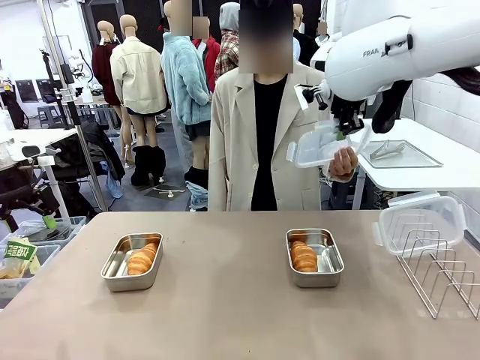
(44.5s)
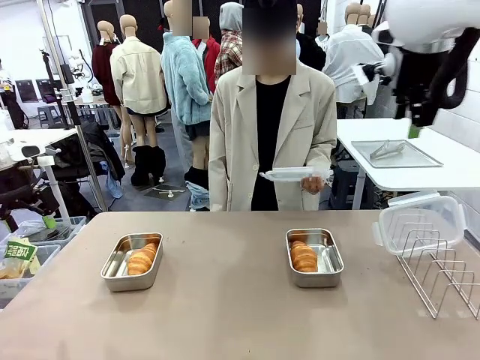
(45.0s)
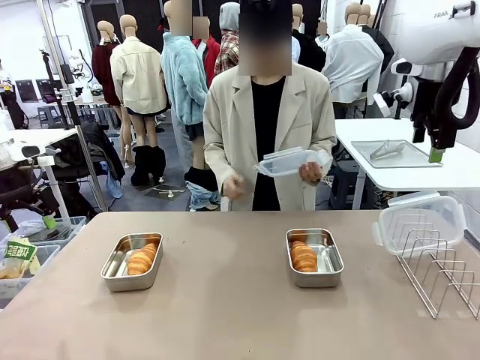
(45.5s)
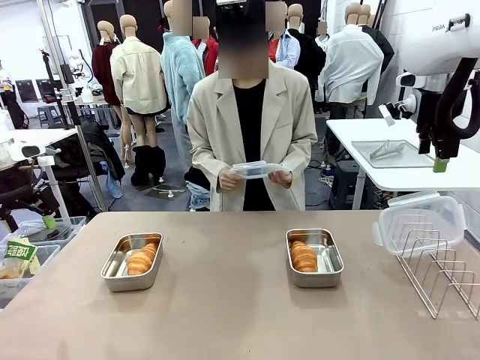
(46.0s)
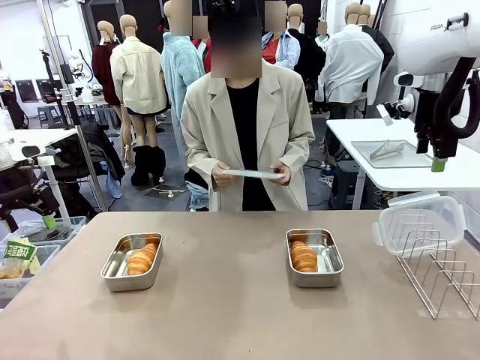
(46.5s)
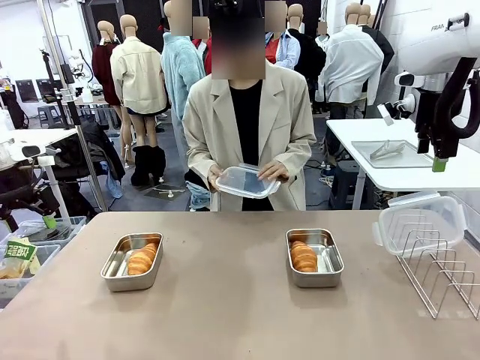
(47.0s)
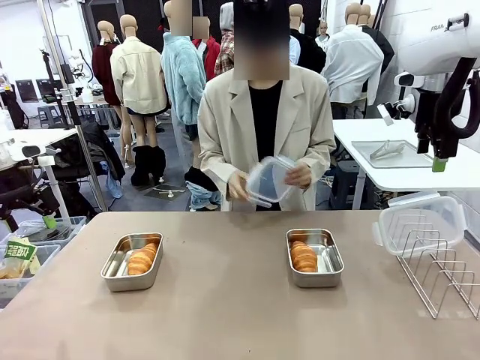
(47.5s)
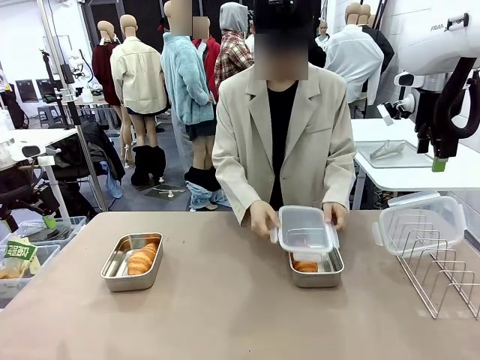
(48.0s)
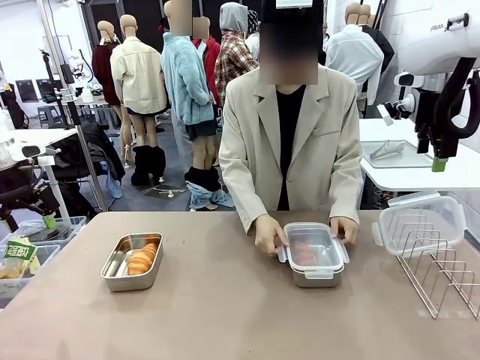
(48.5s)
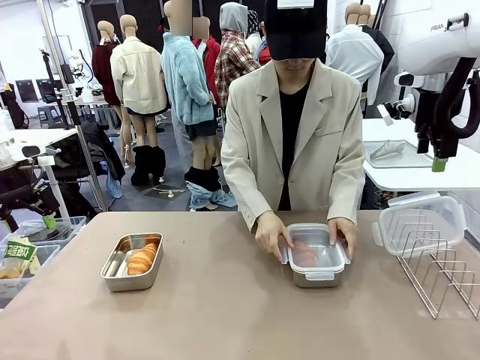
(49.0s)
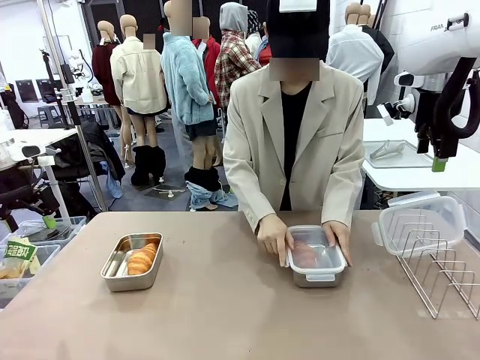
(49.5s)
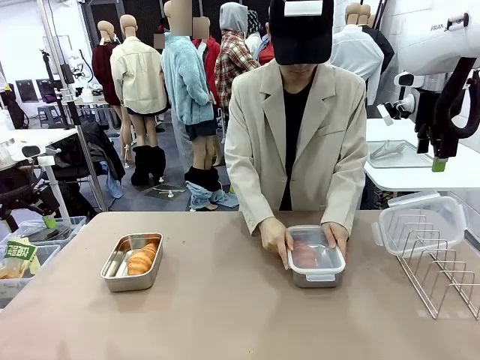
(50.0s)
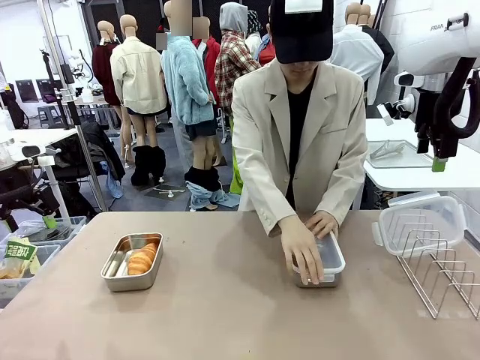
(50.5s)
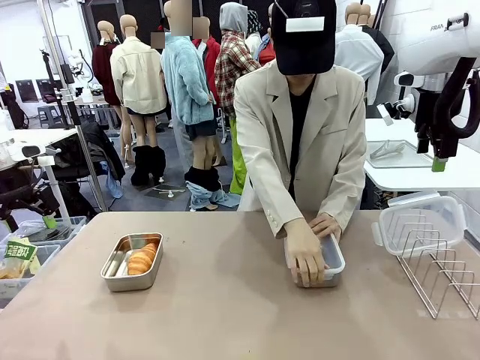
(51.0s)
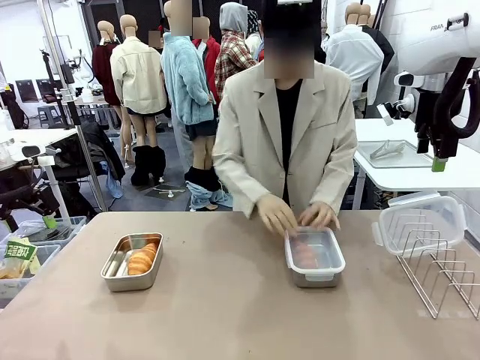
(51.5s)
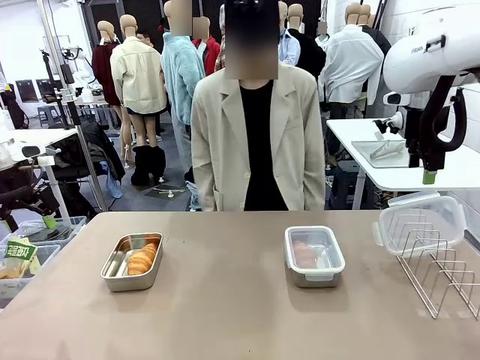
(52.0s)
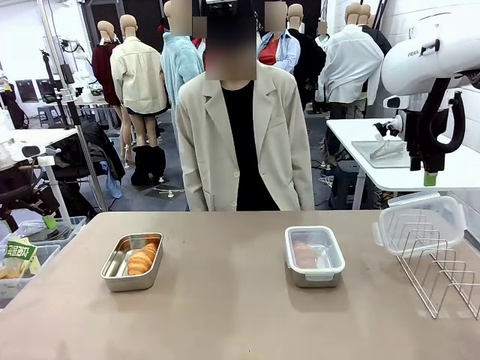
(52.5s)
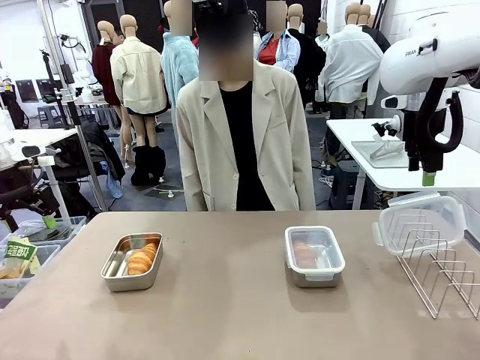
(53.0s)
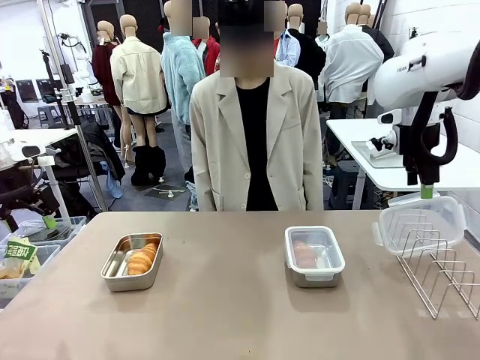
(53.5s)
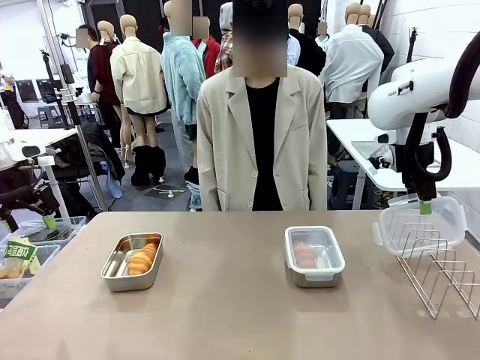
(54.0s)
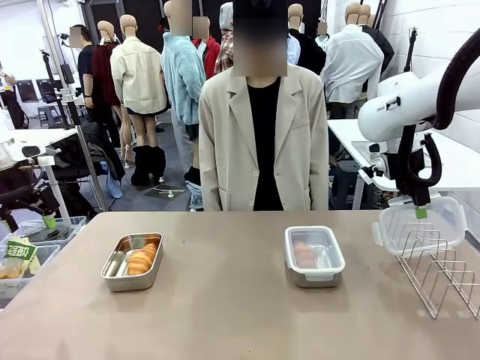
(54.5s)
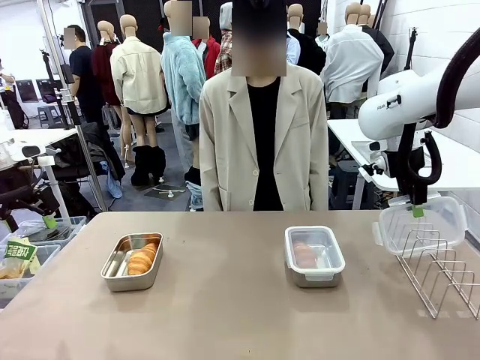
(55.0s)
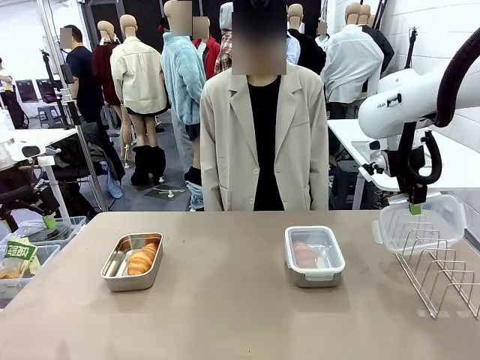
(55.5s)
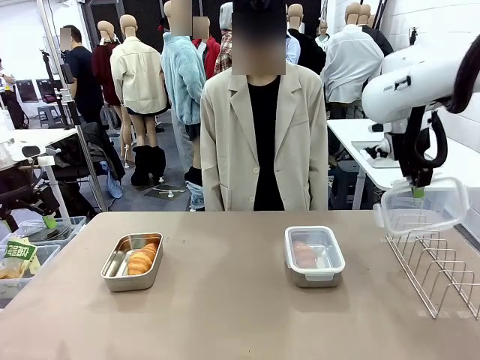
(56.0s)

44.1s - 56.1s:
Task: Place the bread in airtight containers.
Robot: Pick up one Airtight Container lid and hand it to the human.
Person: Close Airtight Container with a handed Airtight Container lid.

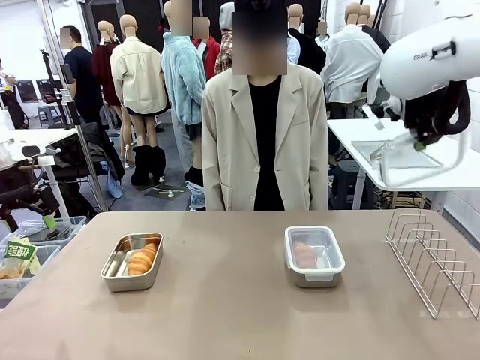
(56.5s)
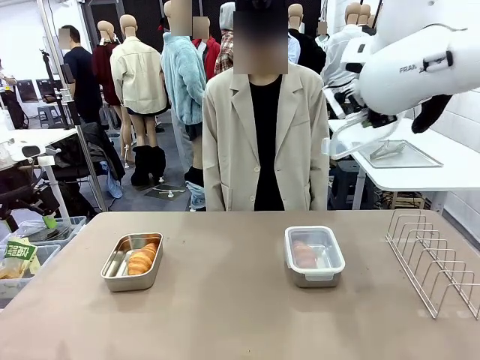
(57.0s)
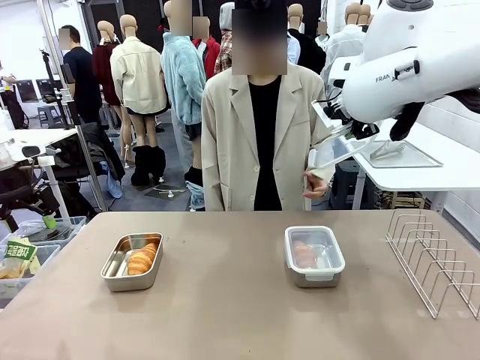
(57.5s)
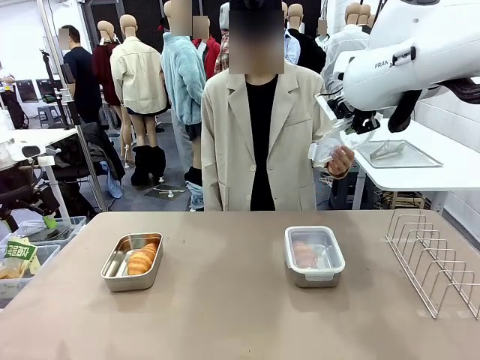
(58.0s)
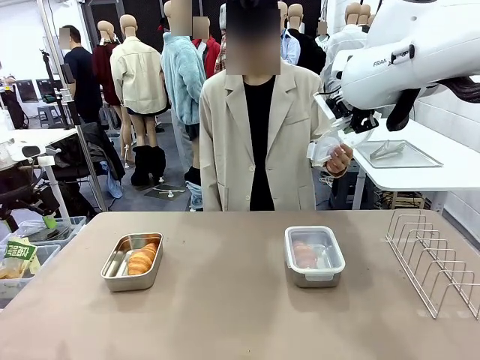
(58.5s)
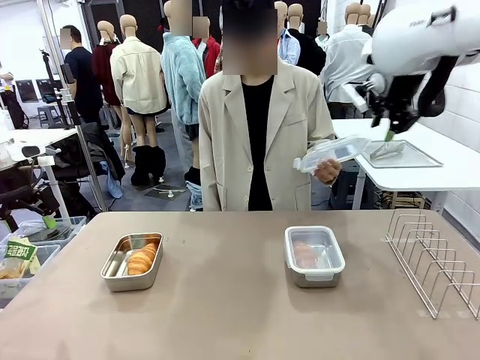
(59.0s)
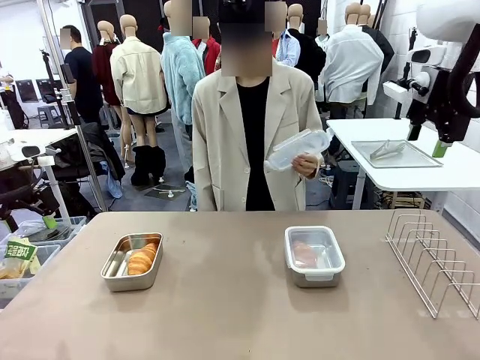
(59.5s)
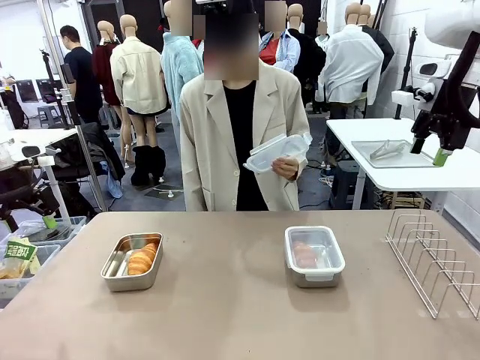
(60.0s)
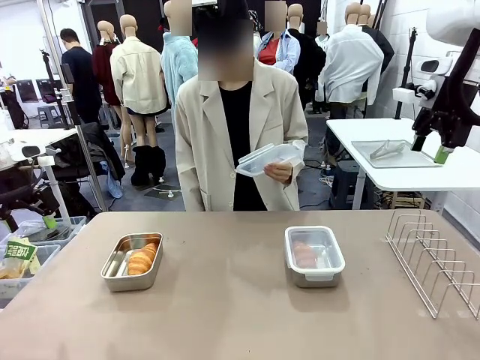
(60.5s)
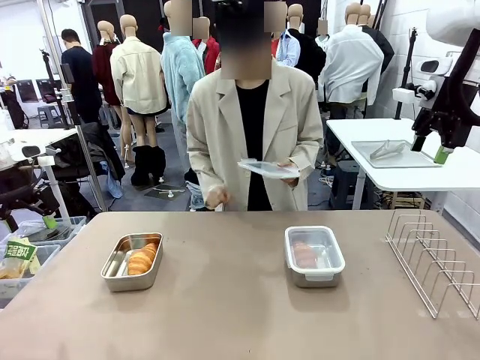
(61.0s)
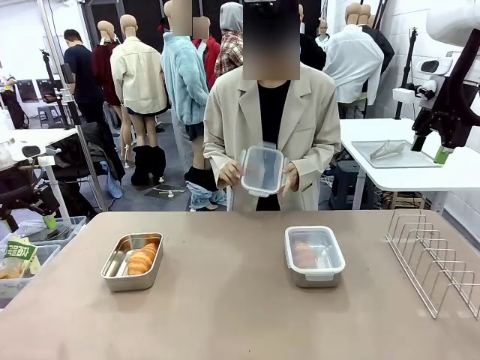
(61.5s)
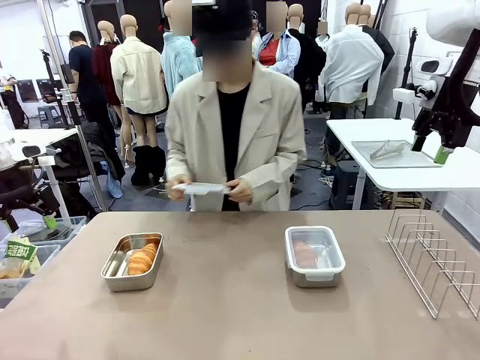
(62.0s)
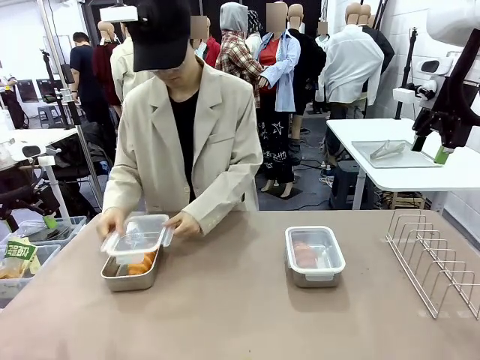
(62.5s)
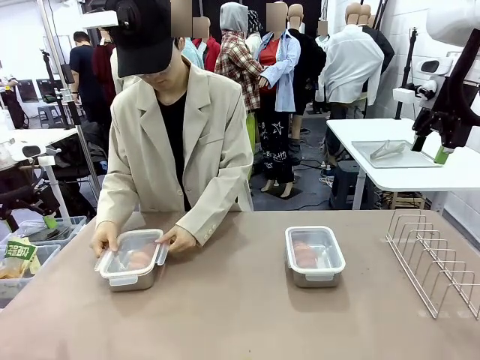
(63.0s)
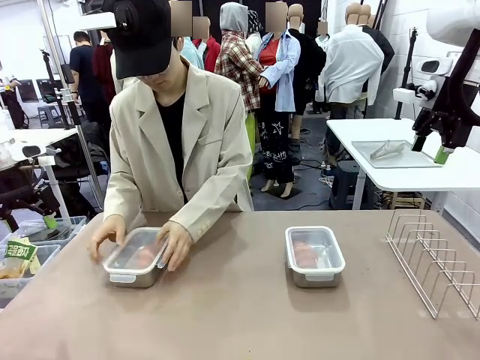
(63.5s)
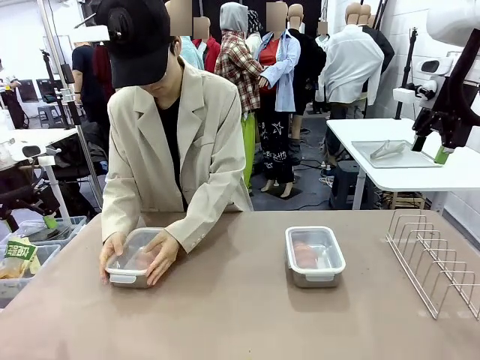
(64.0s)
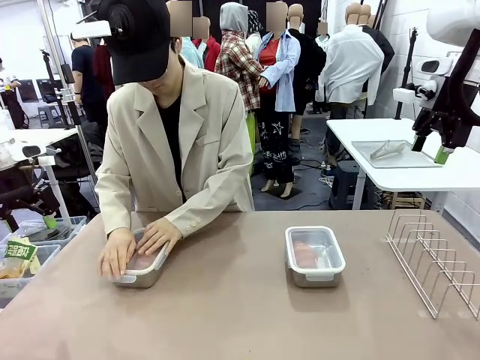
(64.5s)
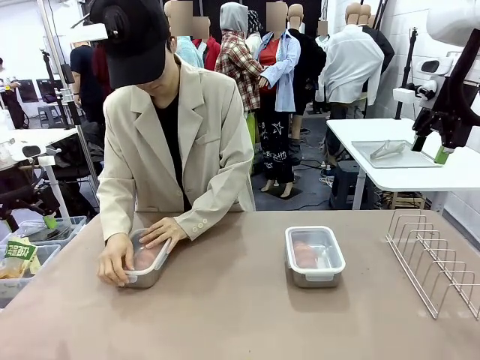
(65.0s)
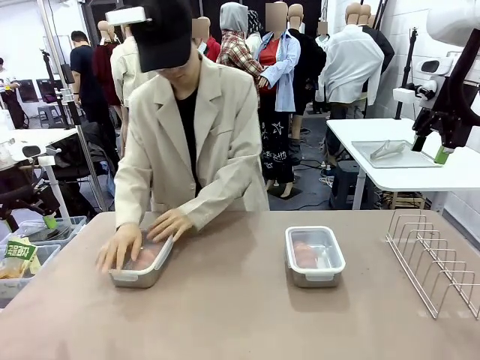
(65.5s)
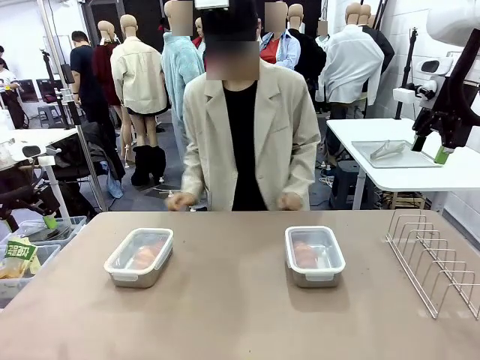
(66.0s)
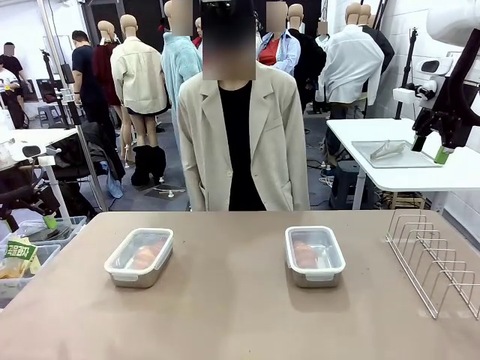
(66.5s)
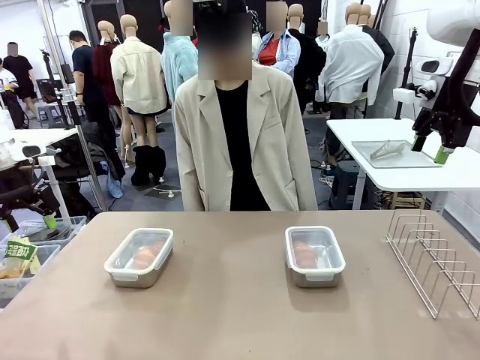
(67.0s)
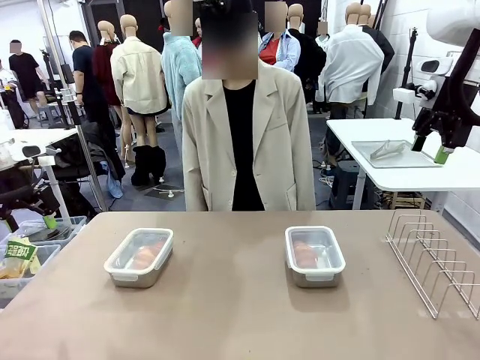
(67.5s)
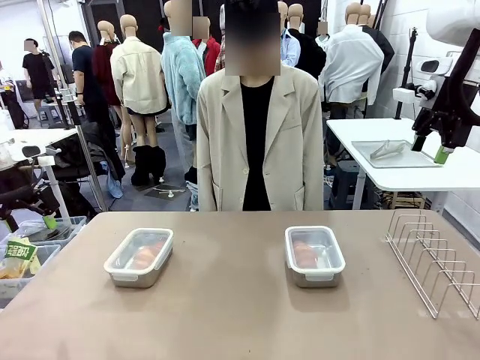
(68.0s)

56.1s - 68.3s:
Robot: Release when the human grabs the Airtight Container lid.
Person: Grip Airtight Container lid that robot is handing. Close Airtight Container with a handed Airtight Container lid.

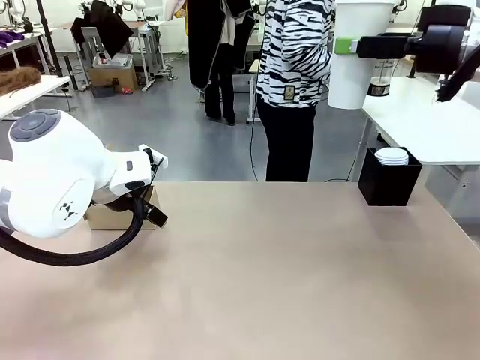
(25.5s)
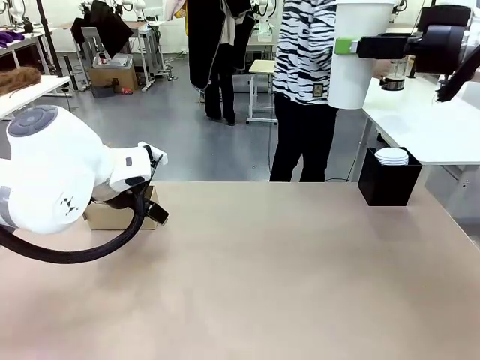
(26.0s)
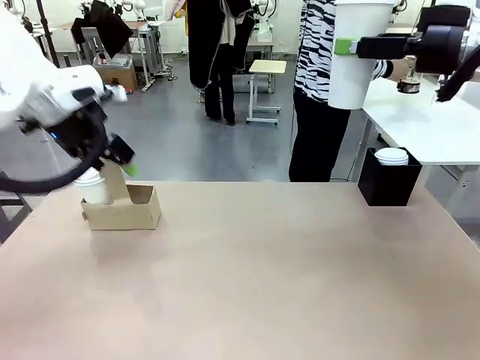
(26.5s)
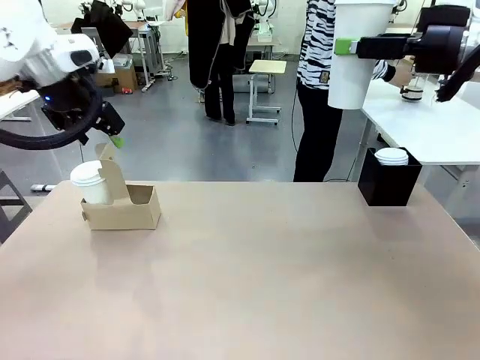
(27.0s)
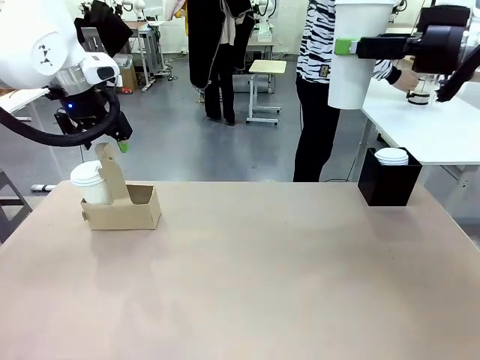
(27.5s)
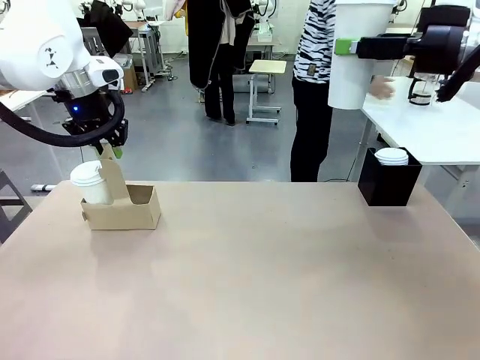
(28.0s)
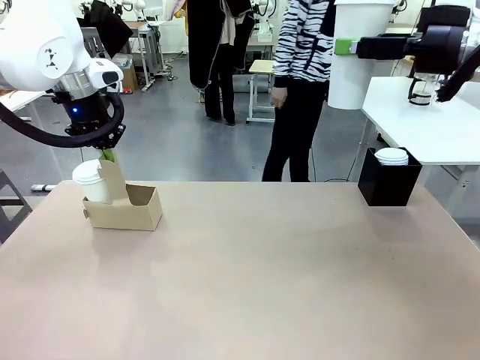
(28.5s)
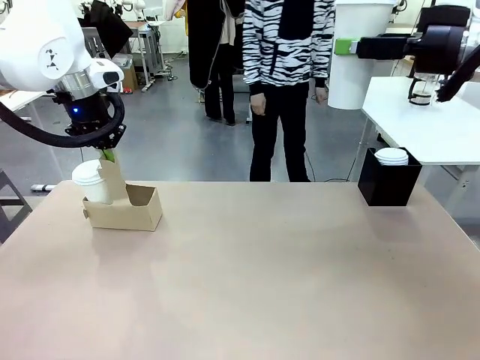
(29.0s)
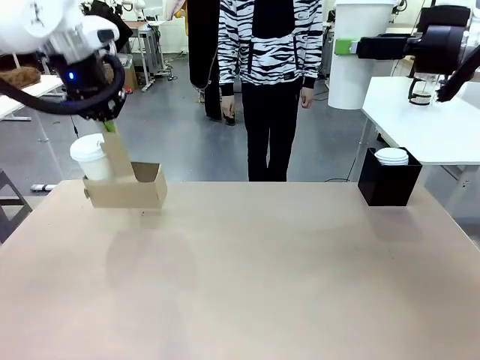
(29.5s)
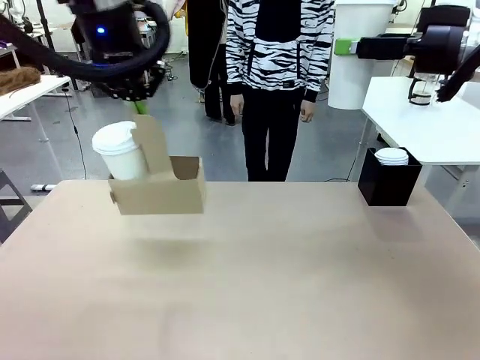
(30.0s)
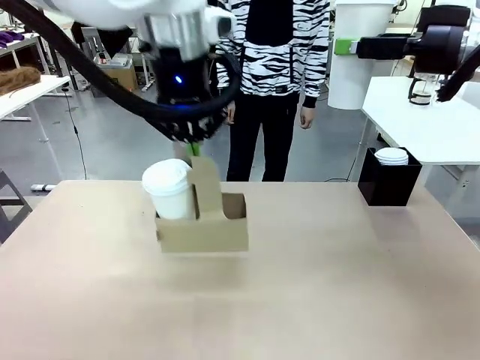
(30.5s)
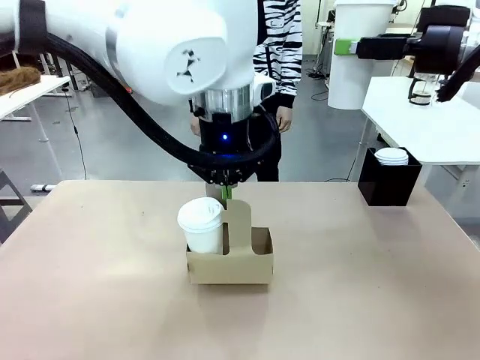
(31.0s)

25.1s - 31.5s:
Task: Pour a drink into a cup and package it in a carrier.
Robot: Position the Cup Carrier in the center of the table.
Person: Pick up the Filter Brewing and place on the middle of Human table, and return to the Robot table.
